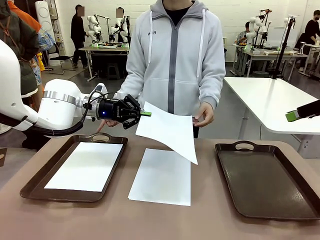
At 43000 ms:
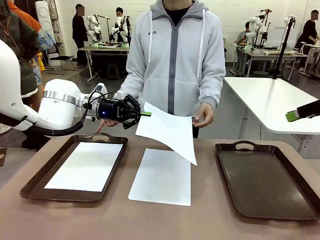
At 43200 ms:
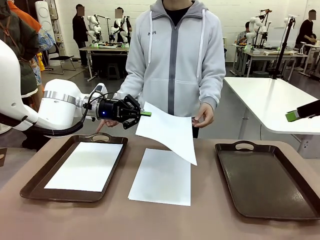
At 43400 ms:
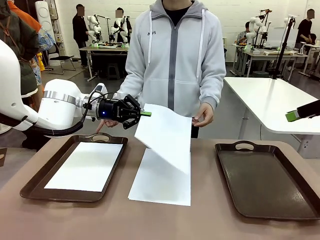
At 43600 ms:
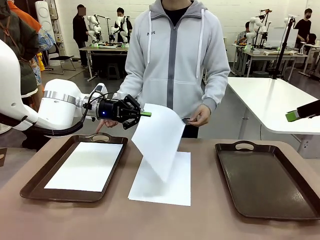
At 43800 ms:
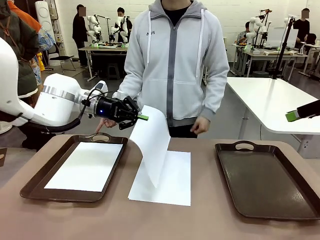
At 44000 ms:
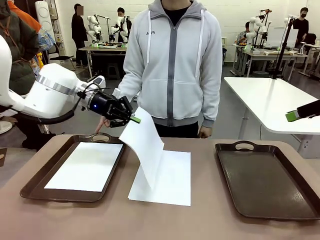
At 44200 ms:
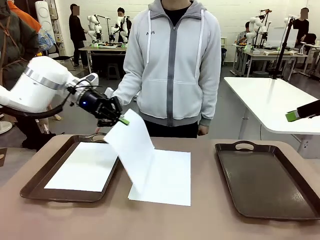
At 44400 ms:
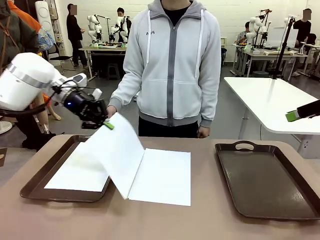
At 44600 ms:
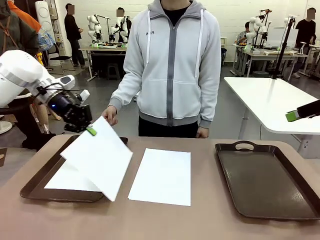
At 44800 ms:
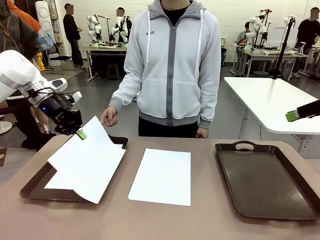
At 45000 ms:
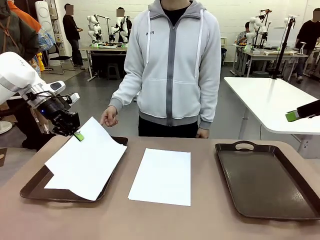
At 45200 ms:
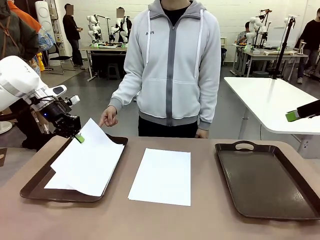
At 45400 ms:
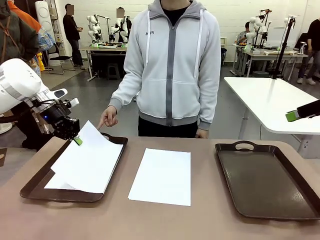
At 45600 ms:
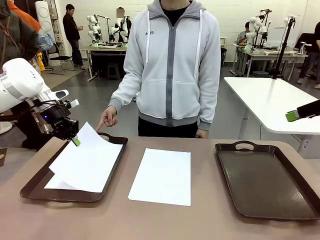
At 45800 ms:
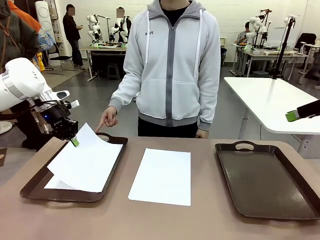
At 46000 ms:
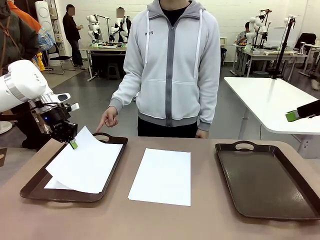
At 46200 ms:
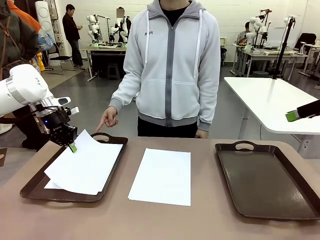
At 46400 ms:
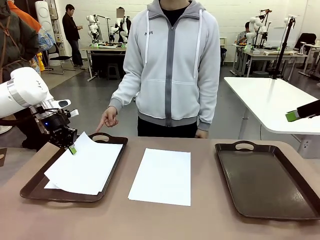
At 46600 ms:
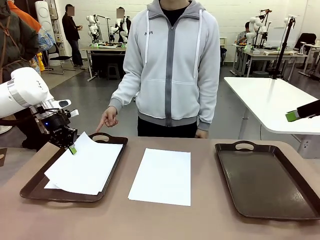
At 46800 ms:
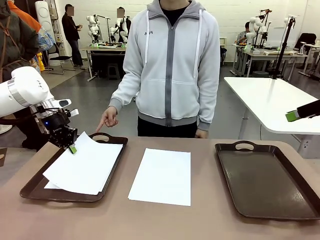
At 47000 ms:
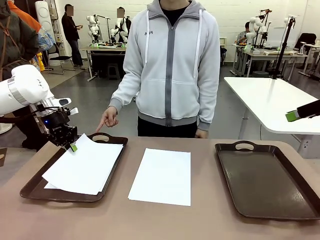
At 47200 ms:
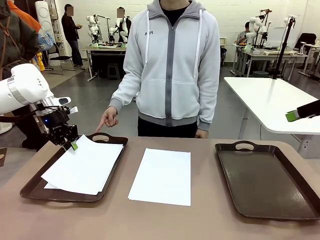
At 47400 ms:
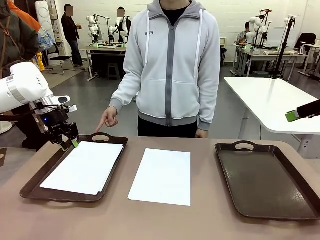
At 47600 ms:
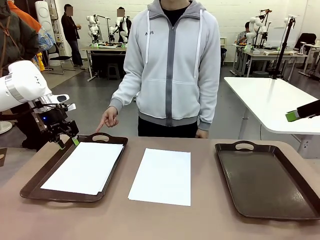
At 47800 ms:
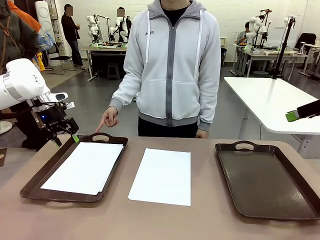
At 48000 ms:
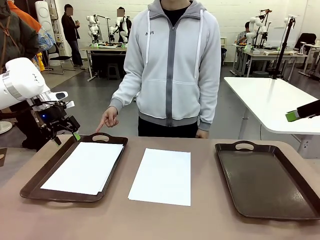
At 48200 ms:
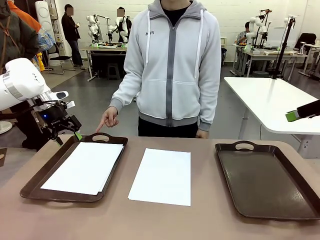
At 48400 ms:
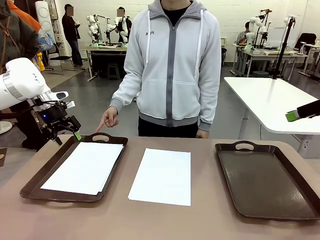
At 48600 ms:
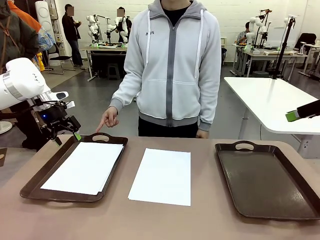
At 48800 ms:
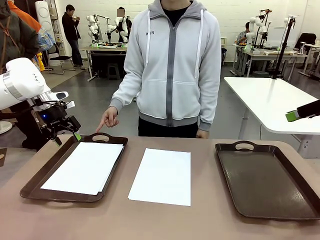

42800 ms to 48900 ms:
Task: Sort the A4 documents.
Robot: Place the A4 Paper in the designated Handle tray.

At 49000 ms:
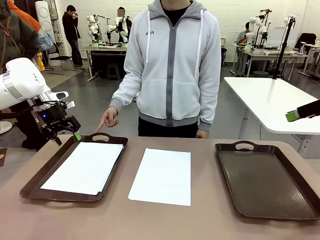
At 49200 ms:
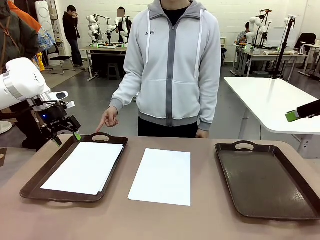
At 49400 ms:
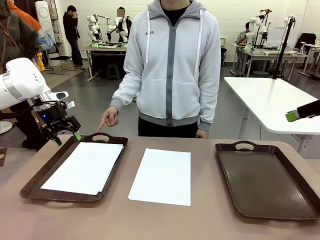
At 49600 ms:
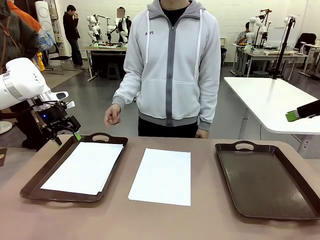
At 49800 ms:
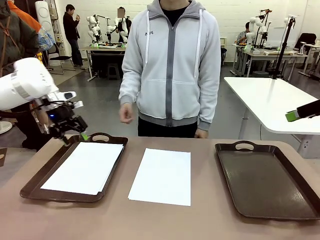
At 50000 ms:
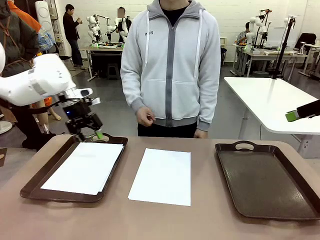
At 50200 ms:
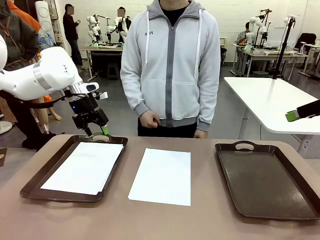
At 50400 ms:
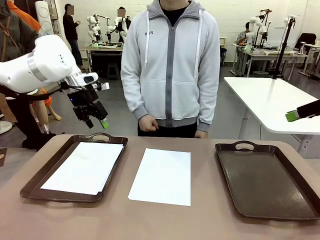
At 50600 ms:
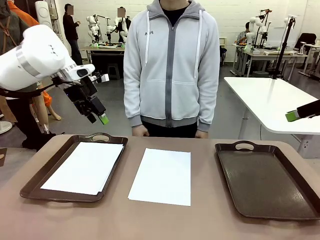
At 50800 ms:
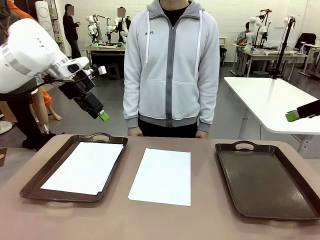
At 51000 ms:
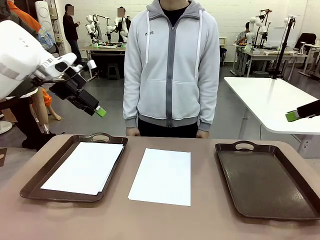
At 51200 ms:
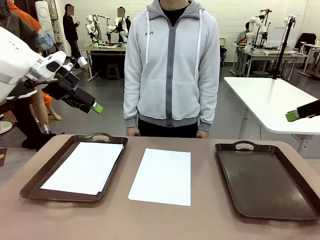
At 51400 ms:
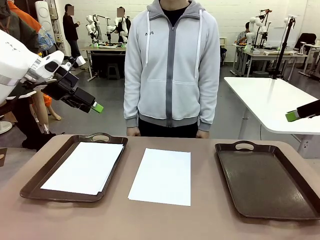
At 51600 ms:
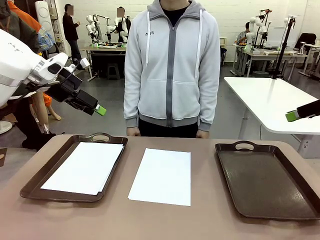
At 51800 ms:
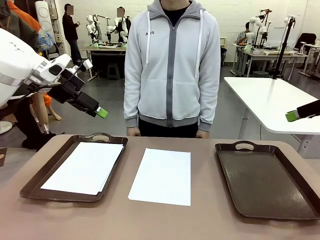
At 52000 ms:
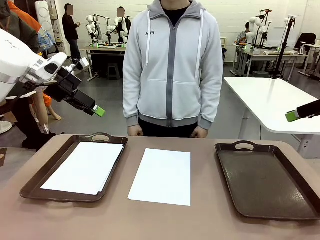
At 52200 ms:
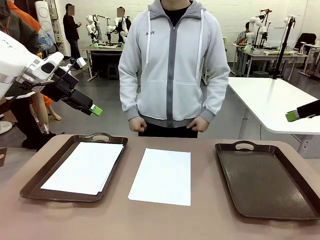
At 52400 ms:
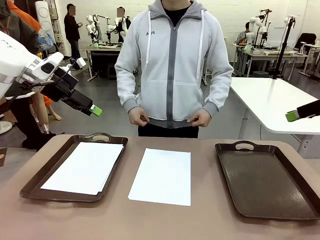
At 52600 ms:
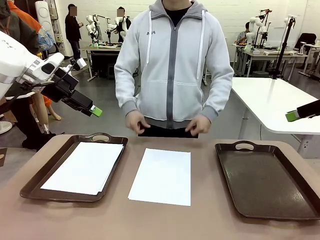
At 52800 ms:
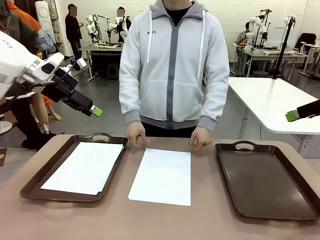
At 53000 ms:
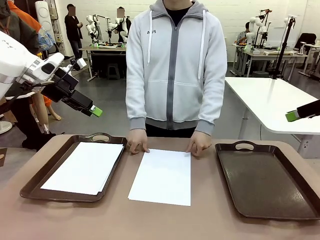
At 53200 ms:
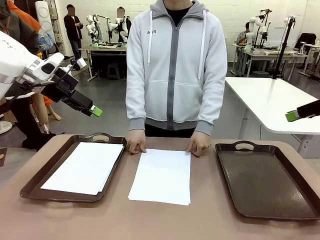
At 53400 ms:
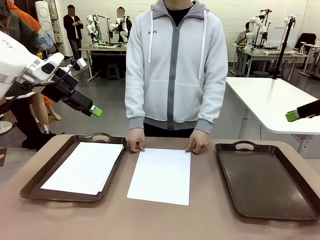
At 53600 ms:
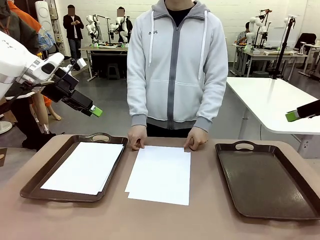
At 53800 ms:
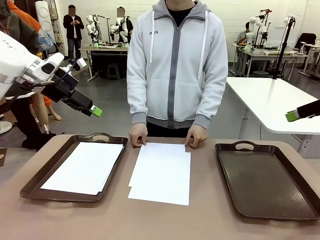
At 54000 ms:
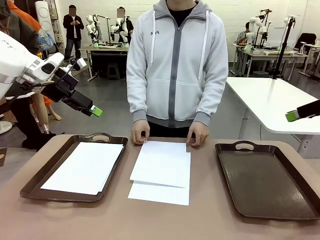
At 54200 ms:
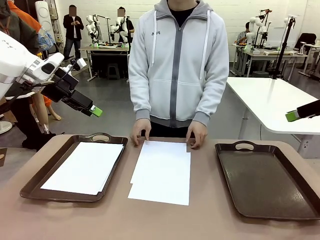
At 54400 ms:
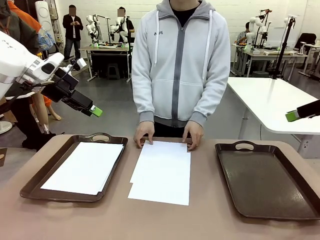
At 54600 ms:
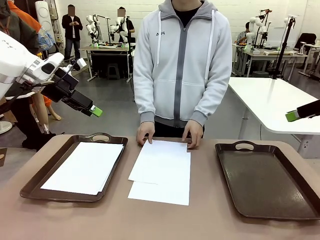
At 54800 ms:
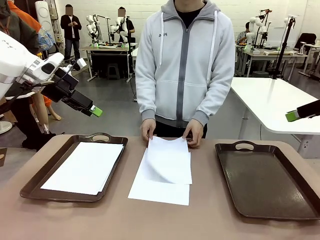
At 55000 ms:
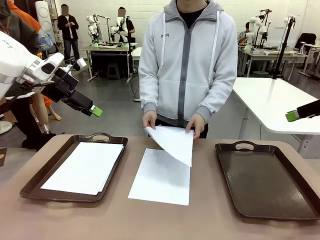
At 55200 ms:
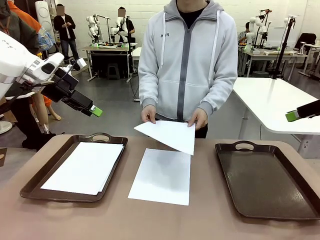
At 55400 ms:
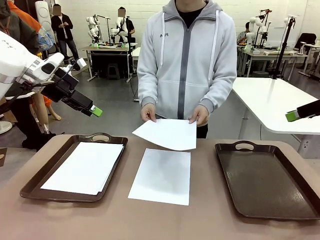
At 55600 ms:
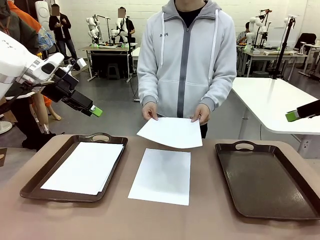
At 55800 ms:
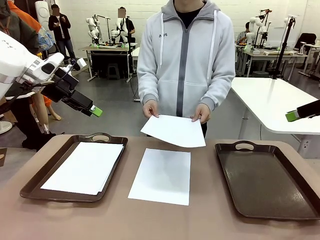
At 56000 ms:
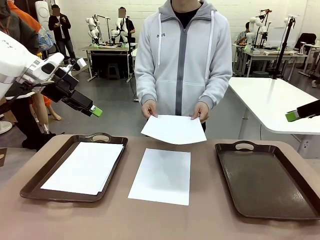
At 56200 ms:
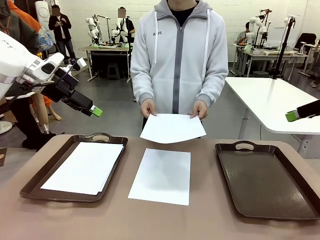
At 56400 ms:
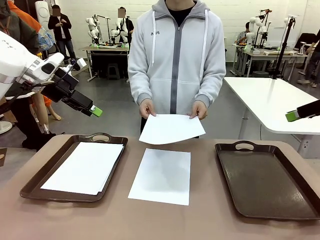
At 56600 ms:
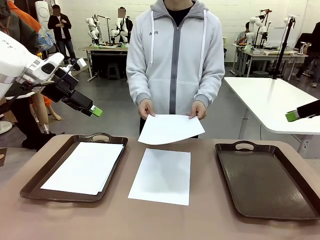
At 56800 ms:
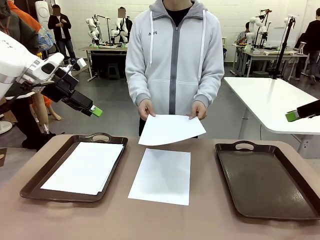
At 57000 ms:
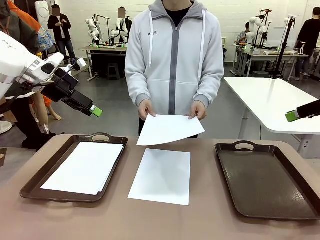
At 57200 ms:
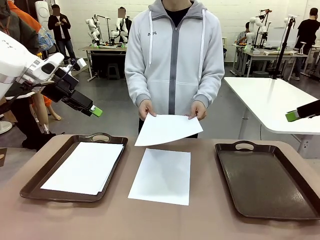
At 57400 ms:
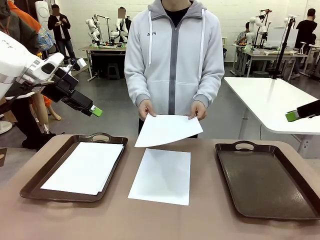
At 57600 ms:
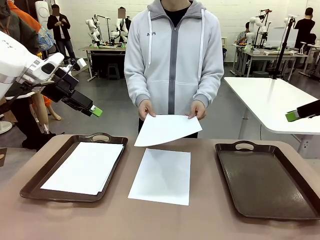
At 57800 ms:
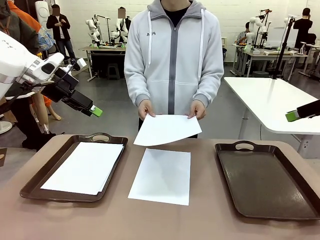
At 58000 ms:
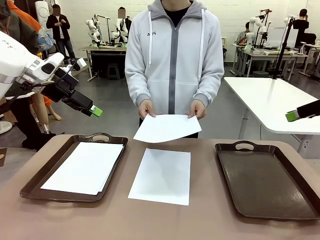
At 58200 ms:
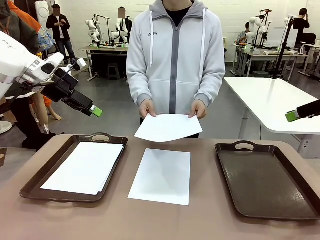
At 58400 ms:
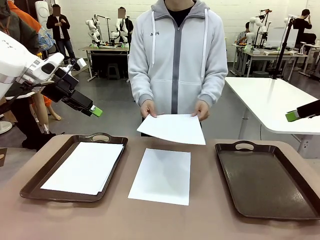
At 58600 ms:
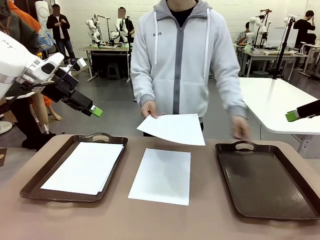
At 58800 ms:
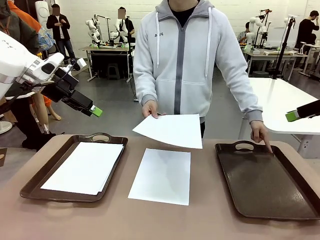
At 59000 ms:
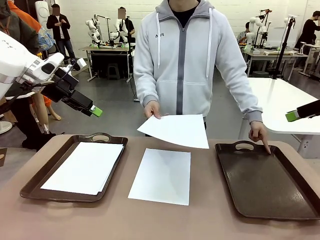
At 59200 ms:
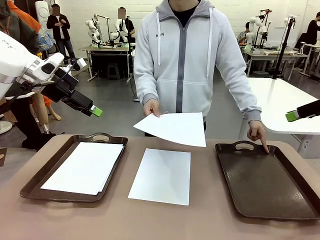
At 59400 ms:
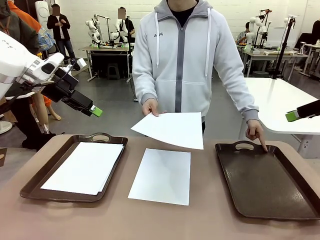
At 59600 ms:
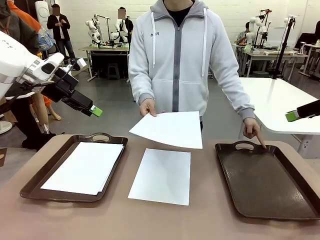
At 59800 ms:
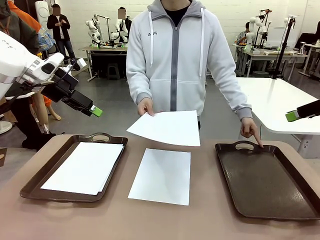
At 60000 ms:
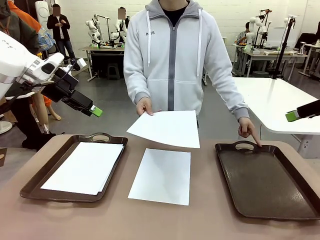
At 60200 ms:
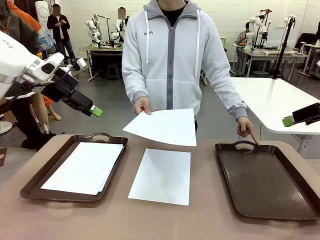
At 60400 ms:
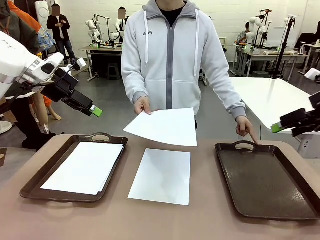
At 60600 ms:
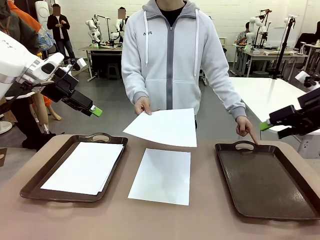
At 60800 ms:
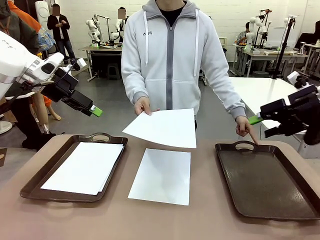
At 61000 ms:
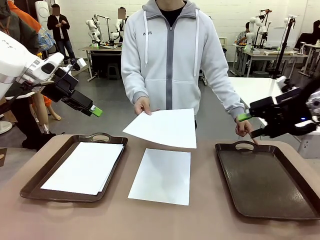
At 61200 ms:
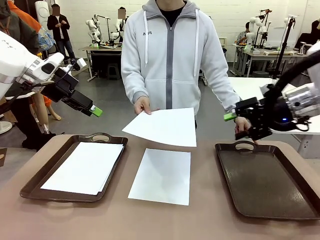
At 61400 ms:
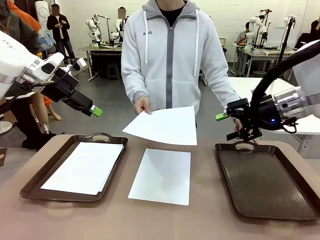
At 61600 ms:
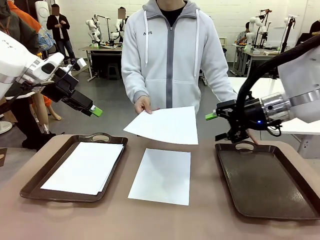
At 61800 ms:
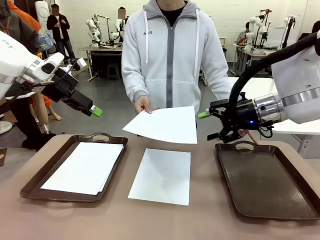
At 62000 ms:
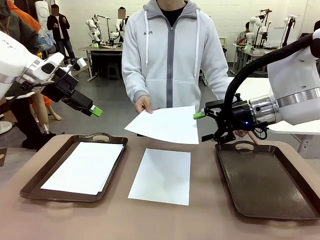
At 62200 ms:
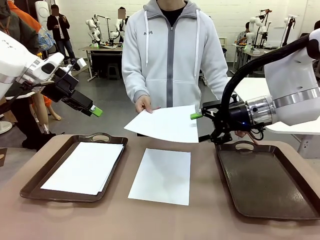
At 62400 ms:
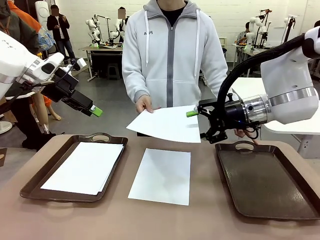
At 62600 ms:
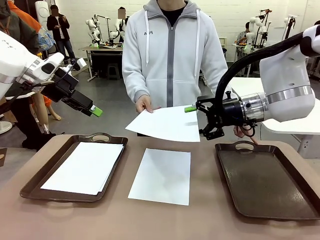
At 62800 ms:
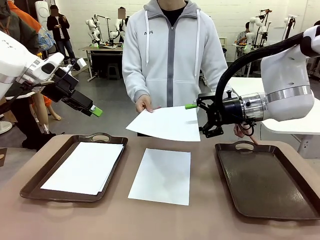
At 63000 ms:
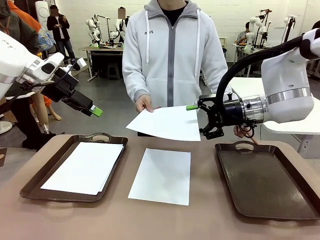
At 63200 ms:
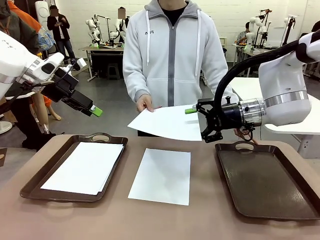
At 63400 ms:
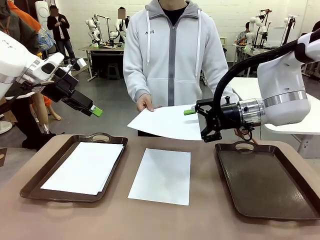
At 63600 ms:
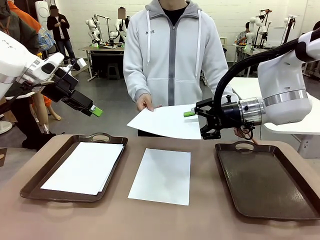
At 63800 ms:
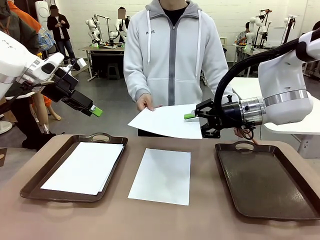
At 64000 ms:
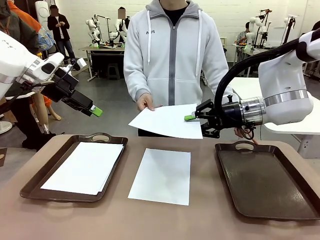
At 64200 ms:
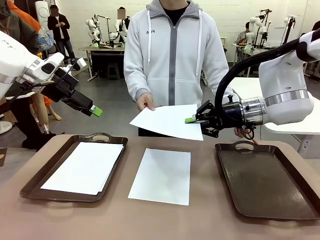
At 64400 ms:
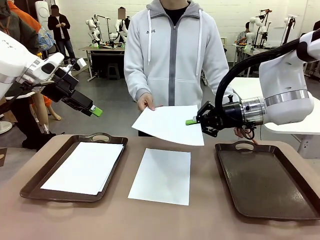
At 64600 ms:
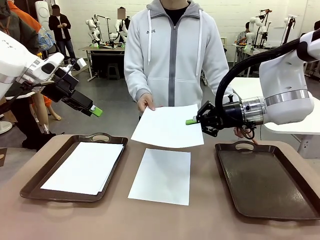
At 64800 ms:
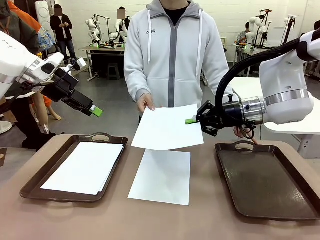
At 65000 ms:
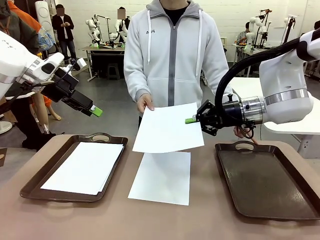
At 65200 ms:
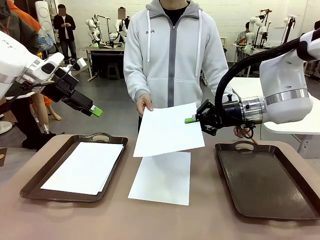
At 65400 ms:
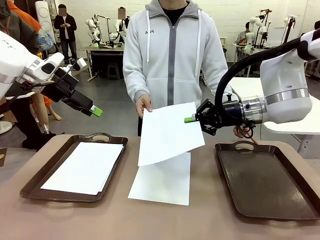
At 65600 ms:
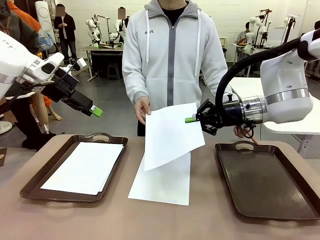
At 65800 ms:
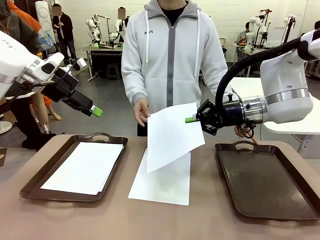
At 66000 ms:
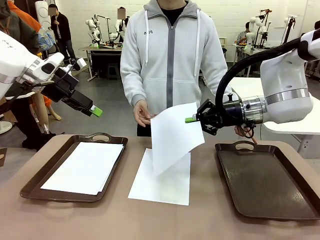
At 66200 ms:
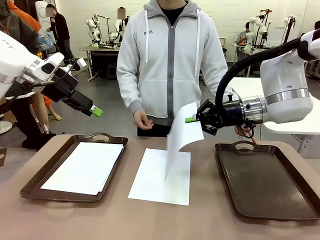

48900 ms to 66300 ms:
Robot: Receive the A4 Paper.
Person: Point the randomly selected tray with the other hand.
